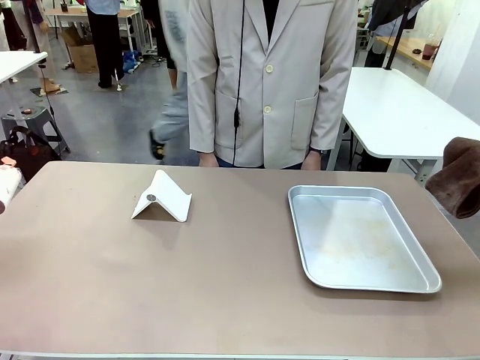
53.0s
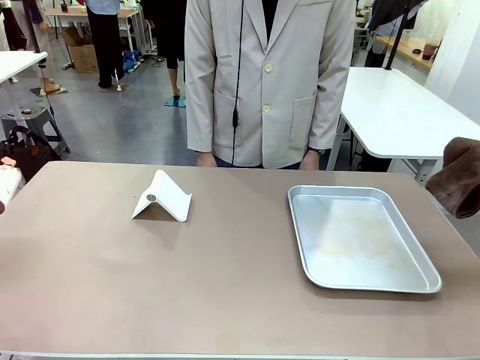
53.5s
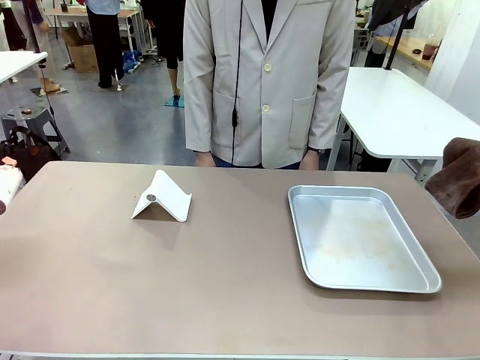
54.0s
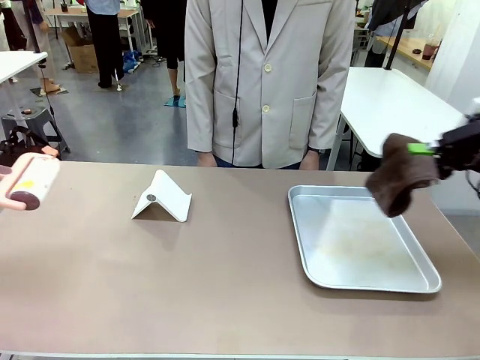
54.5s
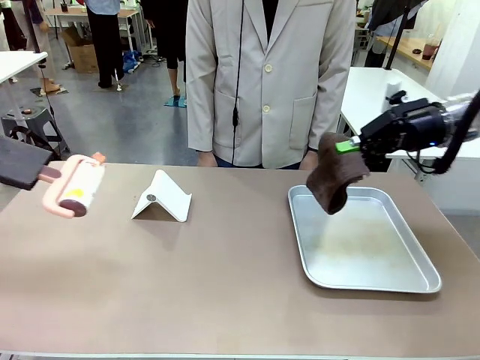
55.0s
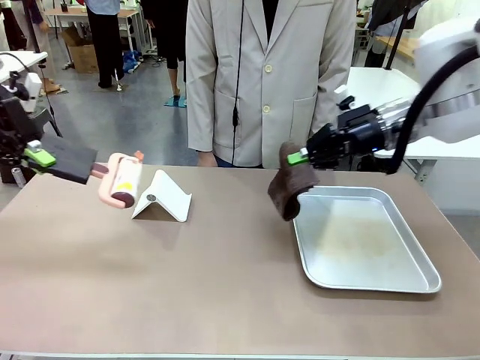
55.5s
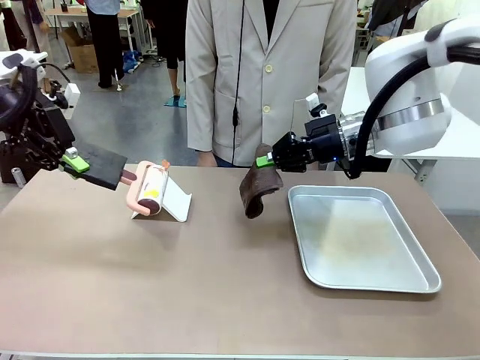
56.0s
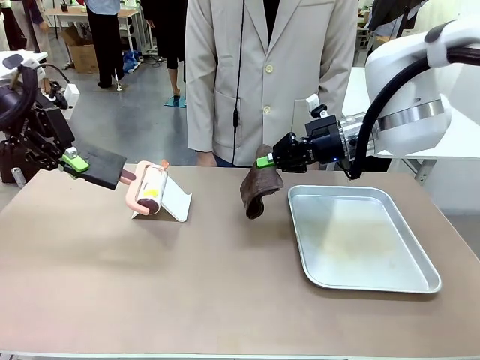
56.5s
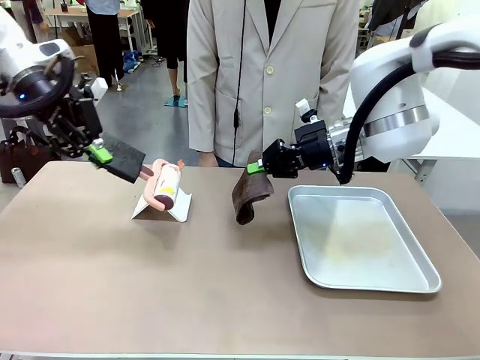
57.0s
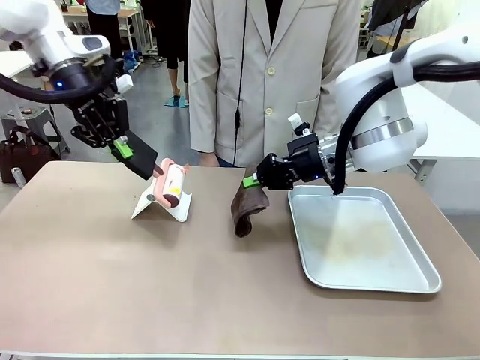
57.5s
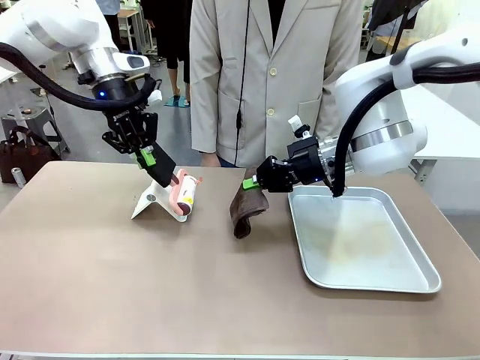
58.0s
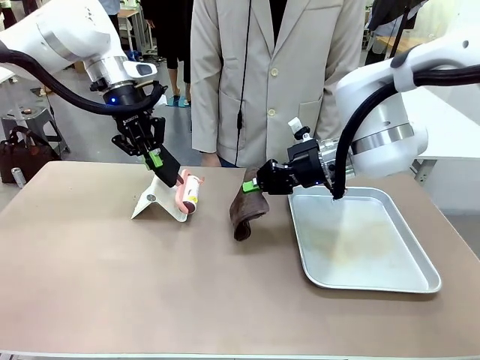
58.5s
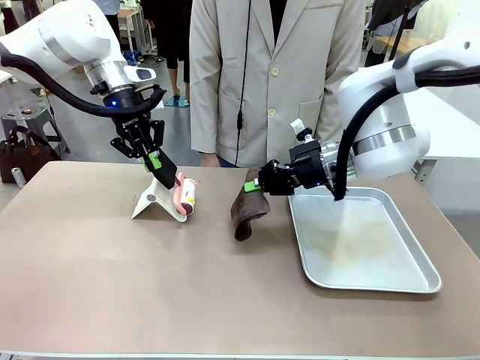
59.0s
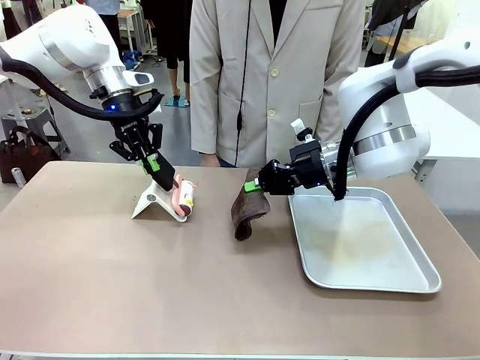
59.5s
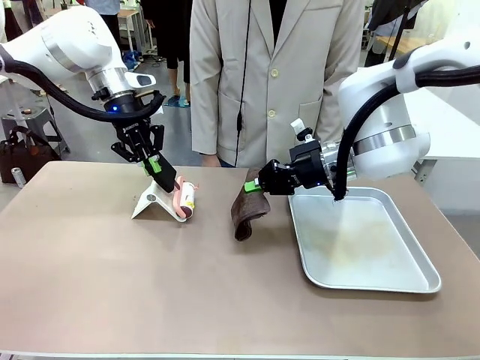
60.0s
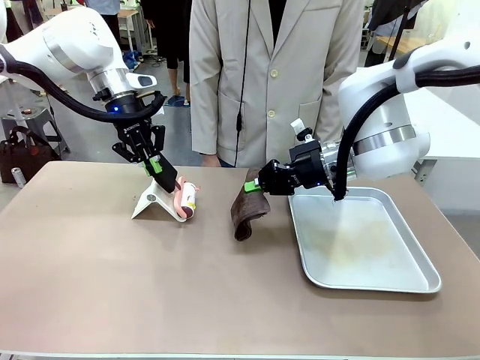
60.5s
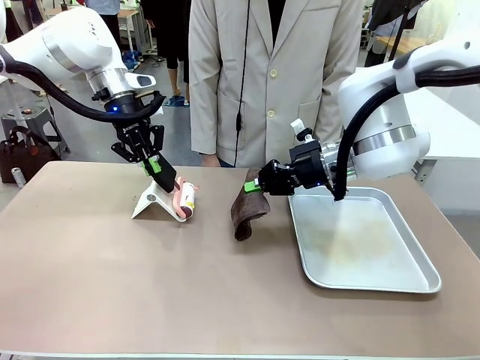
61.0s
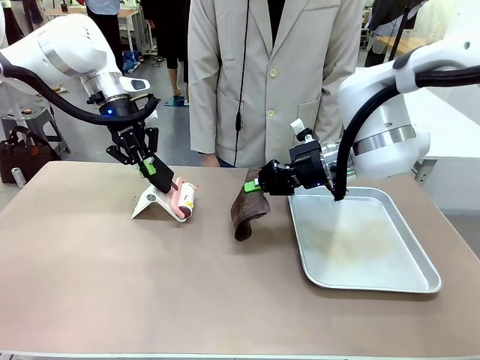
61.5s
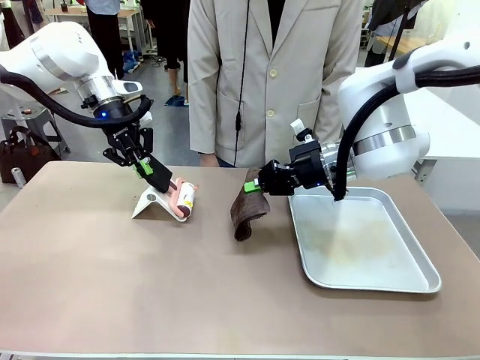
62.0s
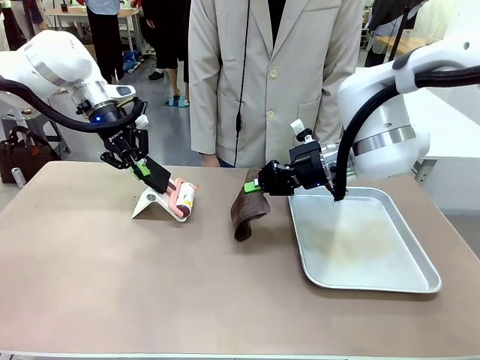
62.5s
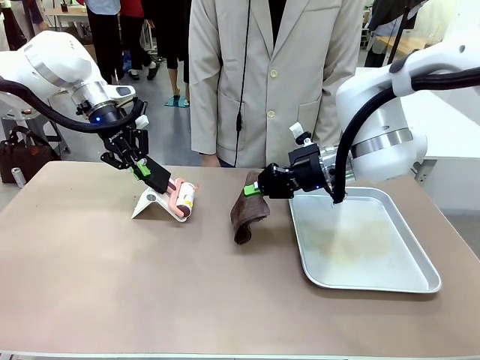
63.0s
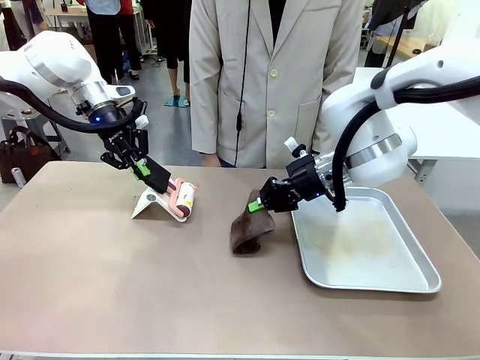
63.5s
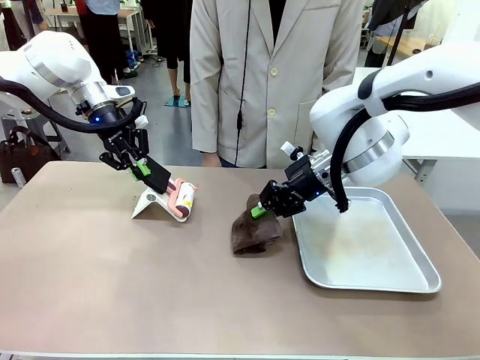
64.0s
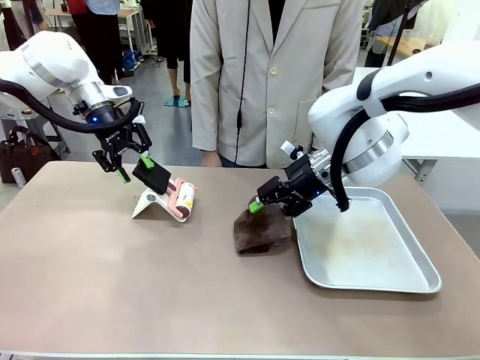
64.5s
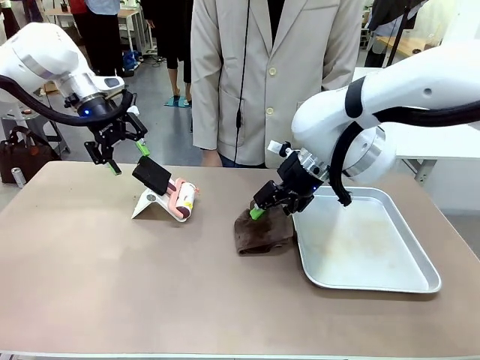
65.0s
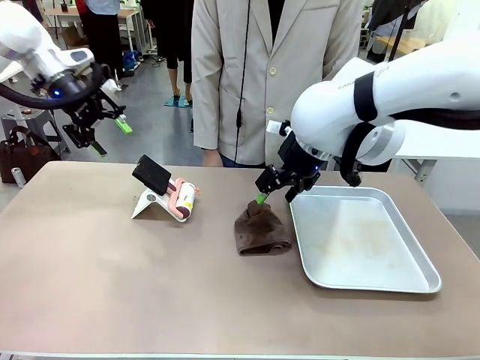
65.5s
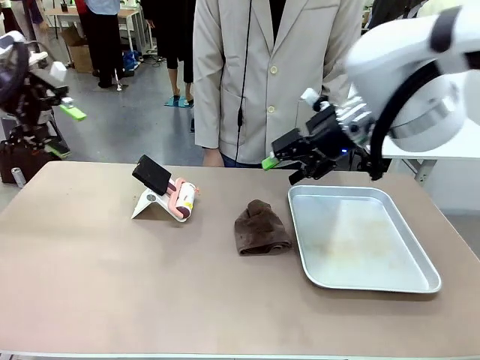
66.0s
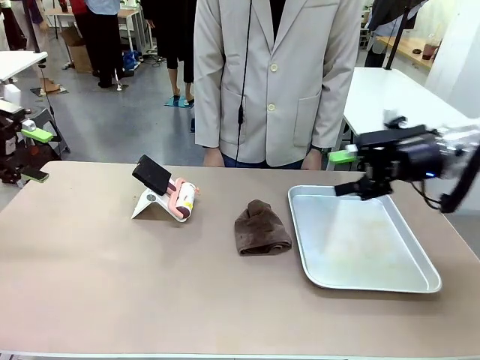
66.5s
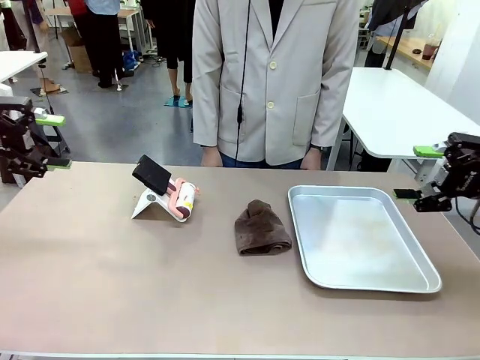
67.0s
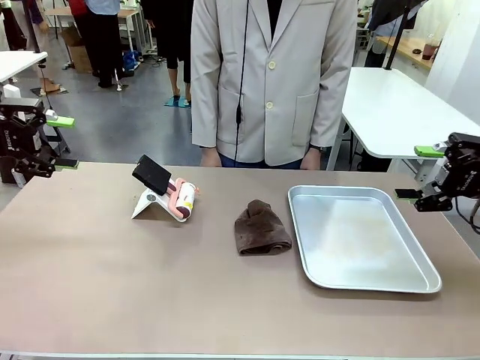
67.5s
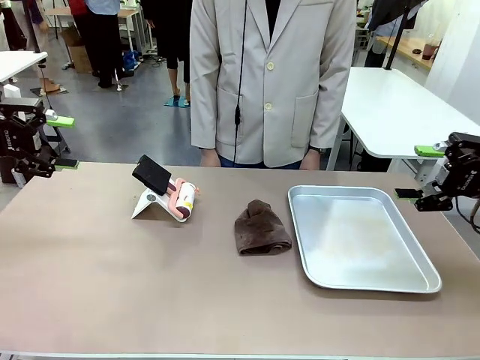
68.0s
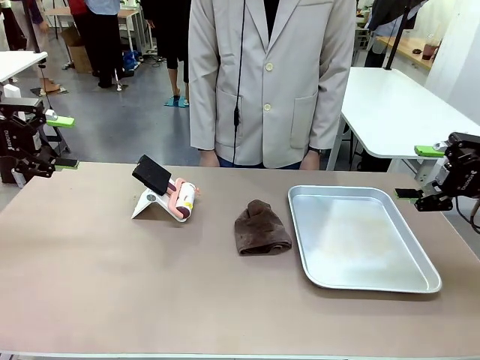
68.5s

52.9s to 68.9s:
Task: Clean the surface of the table.
Robot: Return the Lint Roller and towel to their original positions.
